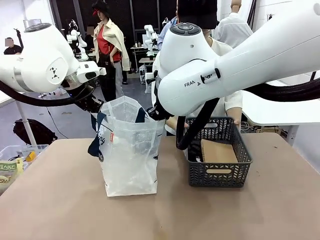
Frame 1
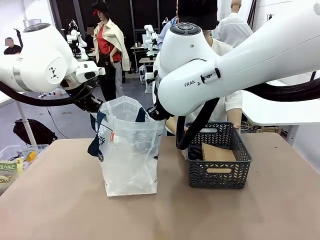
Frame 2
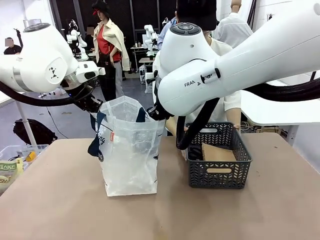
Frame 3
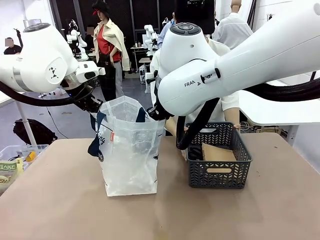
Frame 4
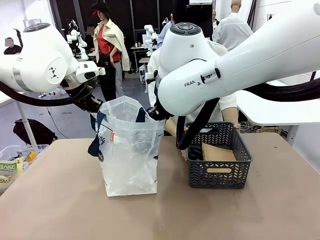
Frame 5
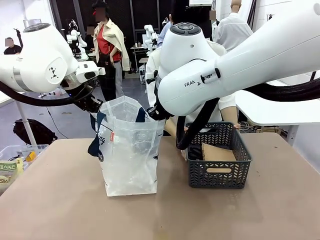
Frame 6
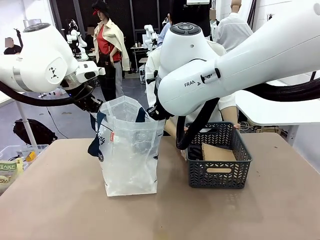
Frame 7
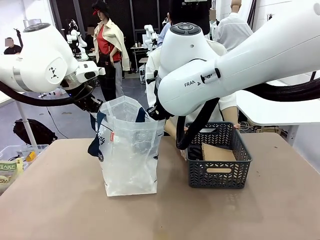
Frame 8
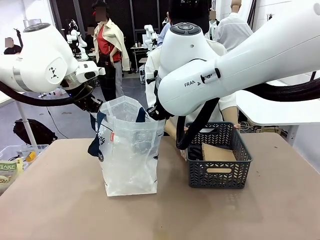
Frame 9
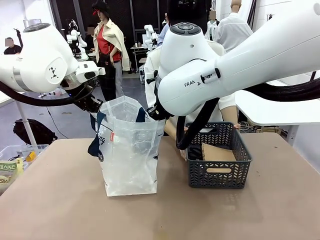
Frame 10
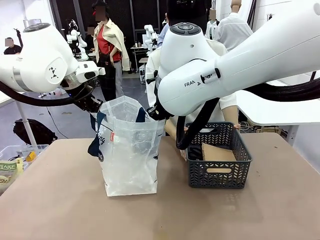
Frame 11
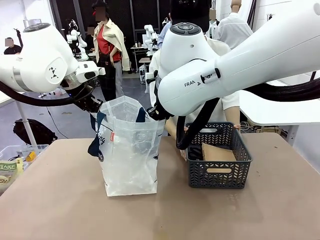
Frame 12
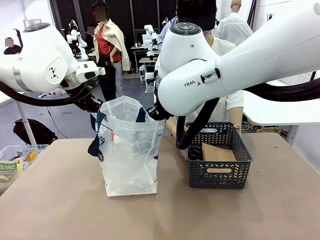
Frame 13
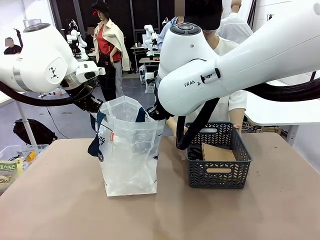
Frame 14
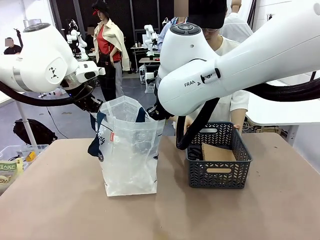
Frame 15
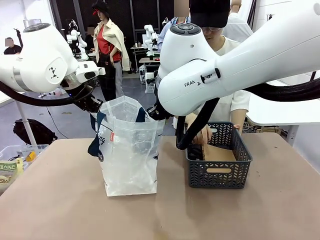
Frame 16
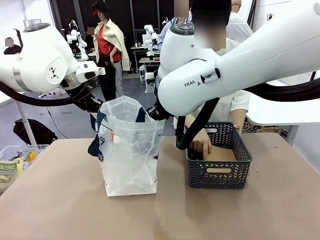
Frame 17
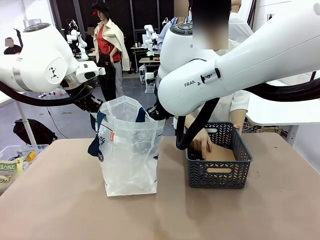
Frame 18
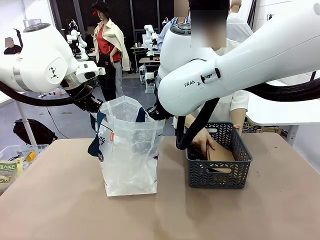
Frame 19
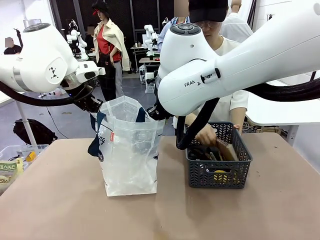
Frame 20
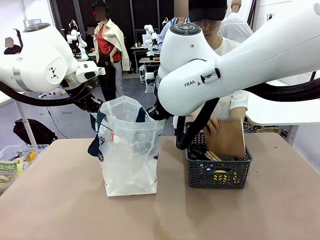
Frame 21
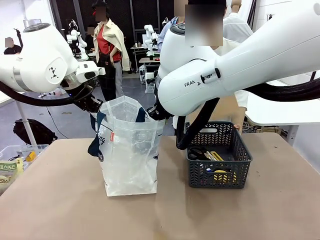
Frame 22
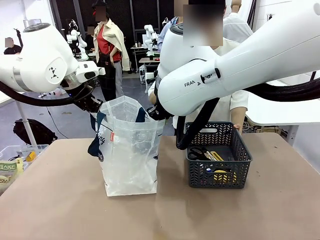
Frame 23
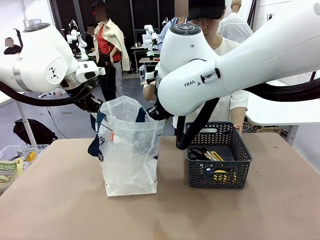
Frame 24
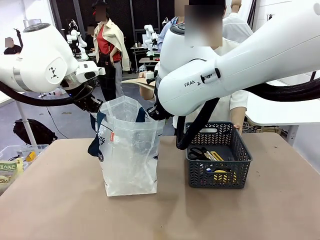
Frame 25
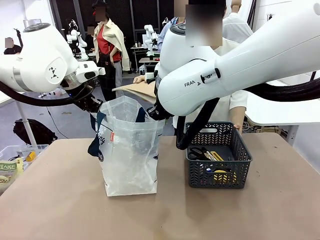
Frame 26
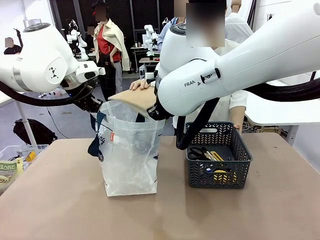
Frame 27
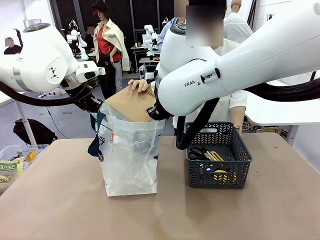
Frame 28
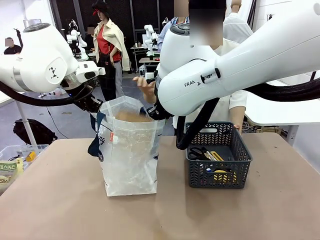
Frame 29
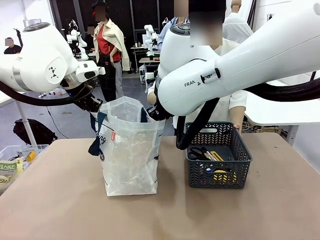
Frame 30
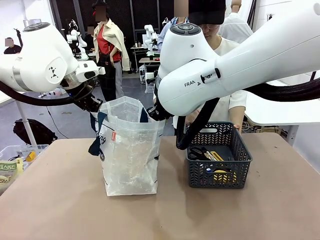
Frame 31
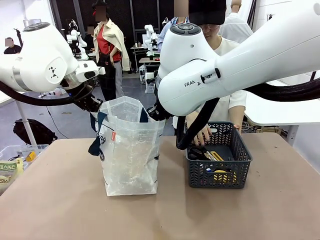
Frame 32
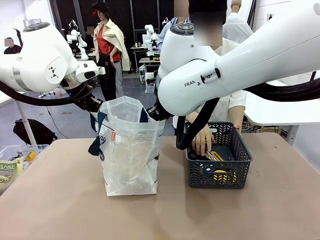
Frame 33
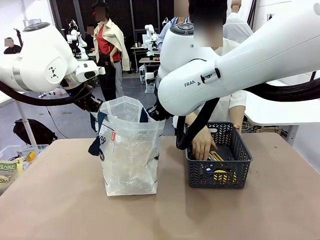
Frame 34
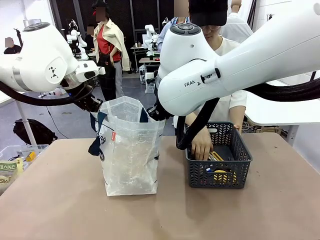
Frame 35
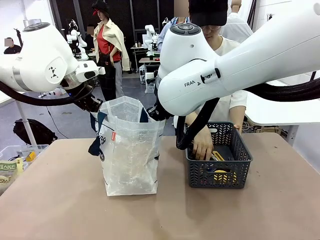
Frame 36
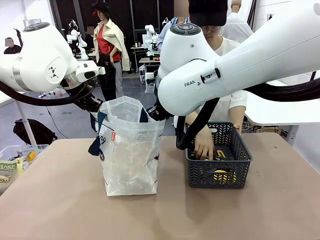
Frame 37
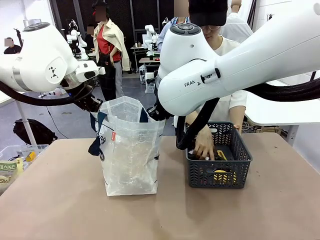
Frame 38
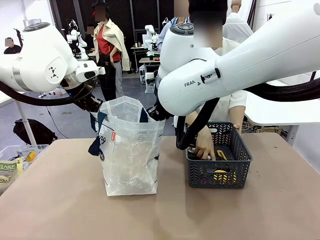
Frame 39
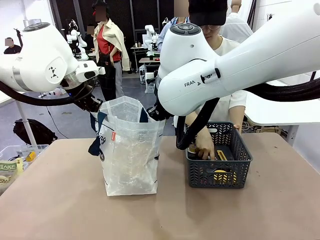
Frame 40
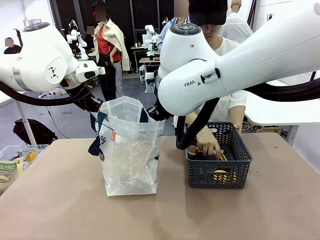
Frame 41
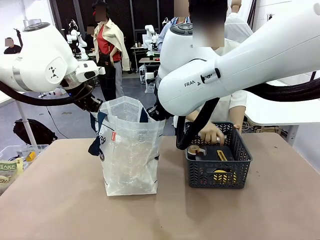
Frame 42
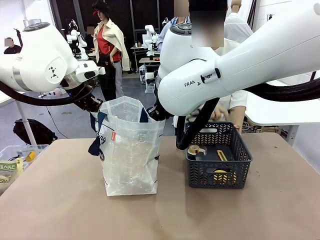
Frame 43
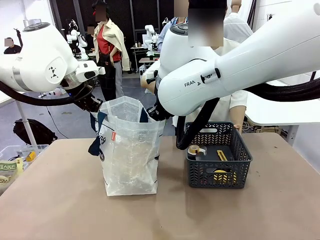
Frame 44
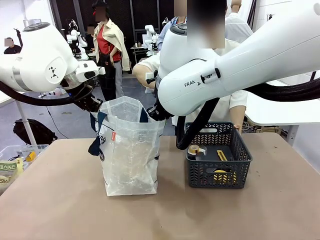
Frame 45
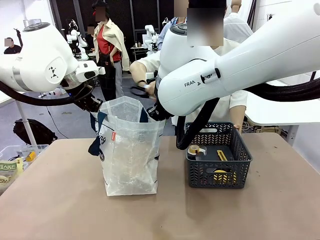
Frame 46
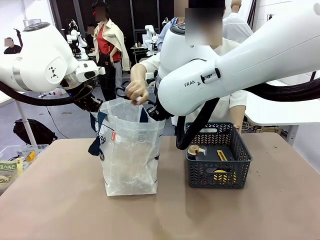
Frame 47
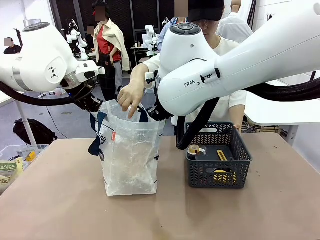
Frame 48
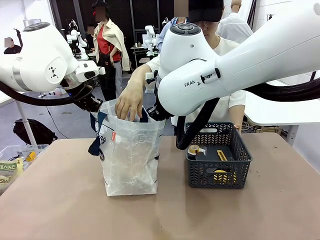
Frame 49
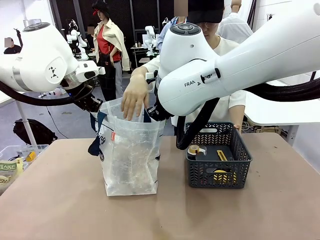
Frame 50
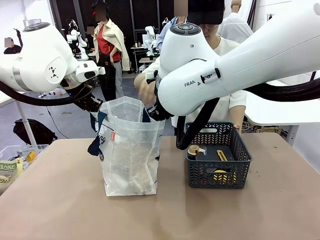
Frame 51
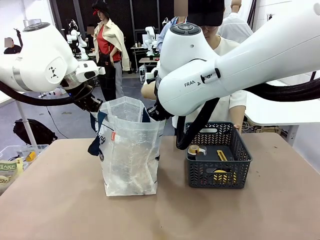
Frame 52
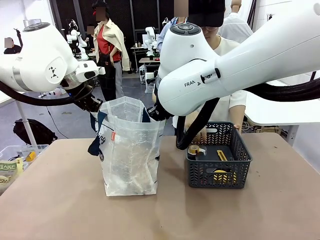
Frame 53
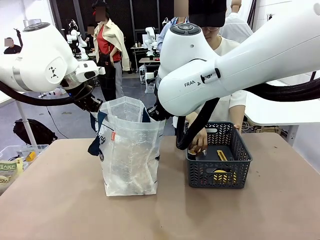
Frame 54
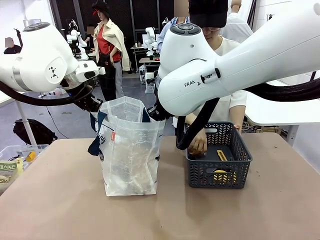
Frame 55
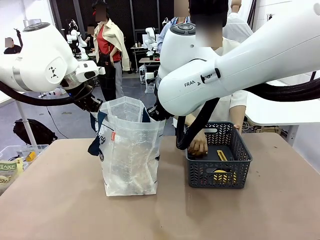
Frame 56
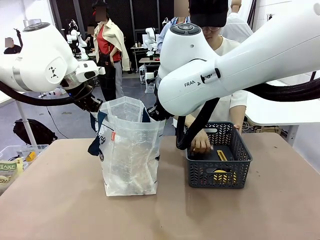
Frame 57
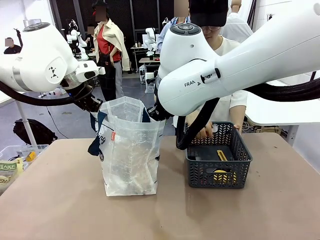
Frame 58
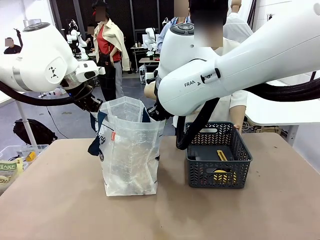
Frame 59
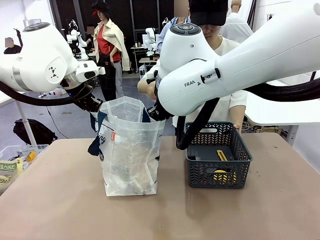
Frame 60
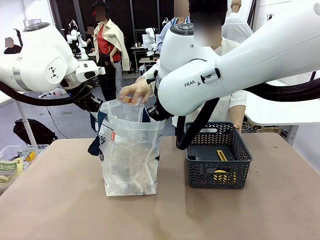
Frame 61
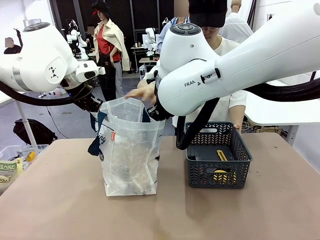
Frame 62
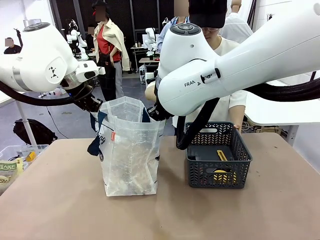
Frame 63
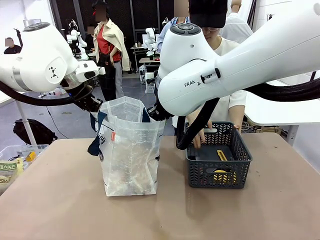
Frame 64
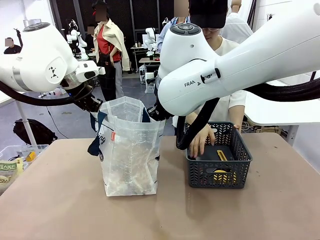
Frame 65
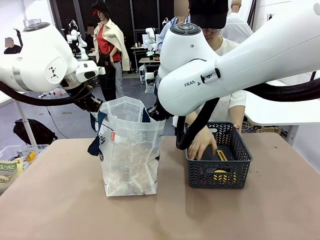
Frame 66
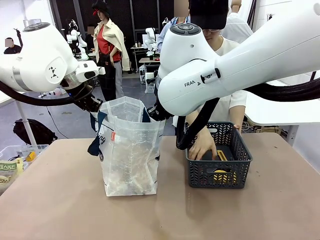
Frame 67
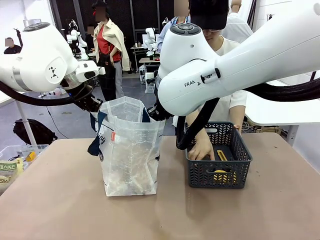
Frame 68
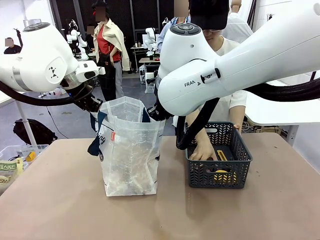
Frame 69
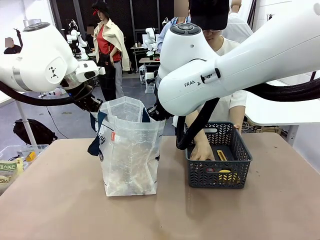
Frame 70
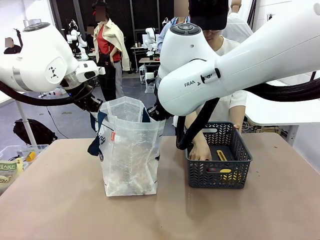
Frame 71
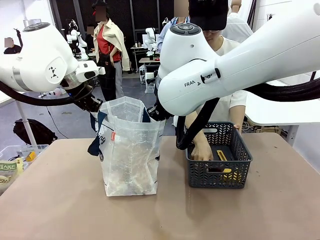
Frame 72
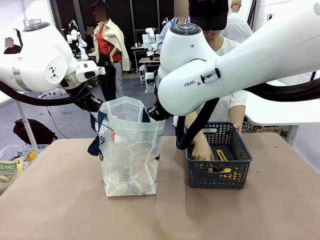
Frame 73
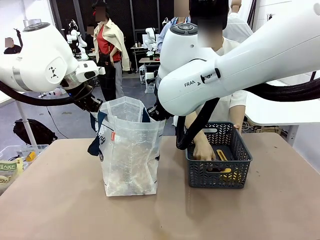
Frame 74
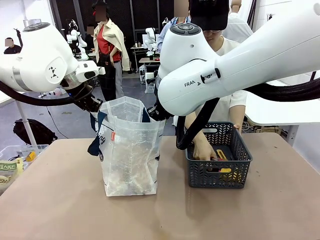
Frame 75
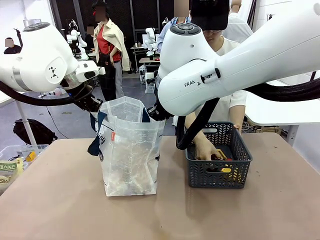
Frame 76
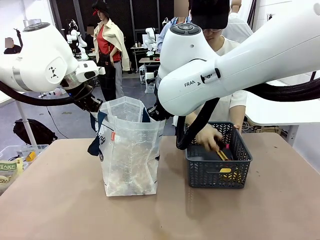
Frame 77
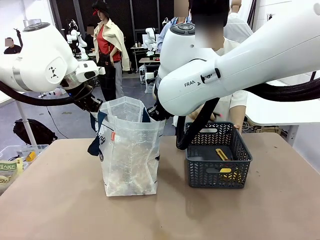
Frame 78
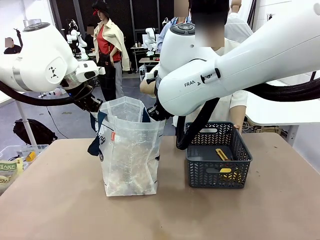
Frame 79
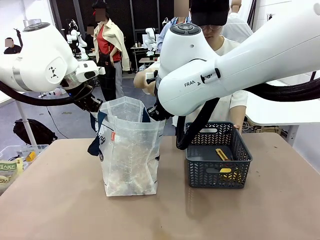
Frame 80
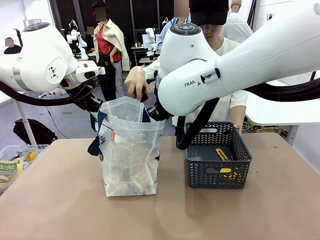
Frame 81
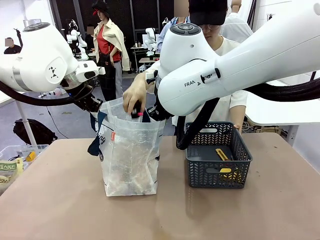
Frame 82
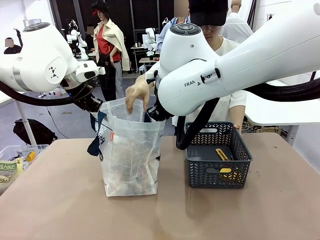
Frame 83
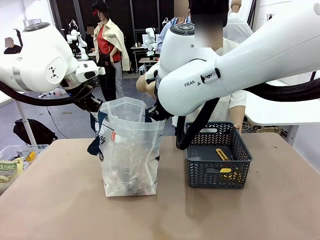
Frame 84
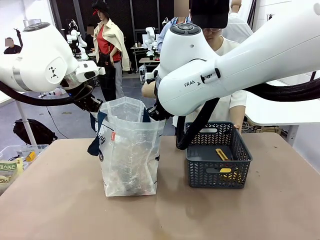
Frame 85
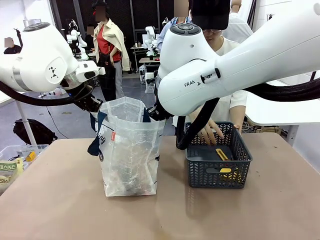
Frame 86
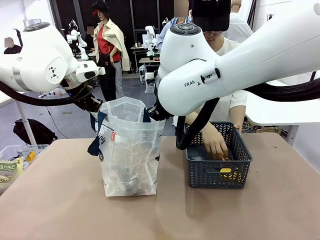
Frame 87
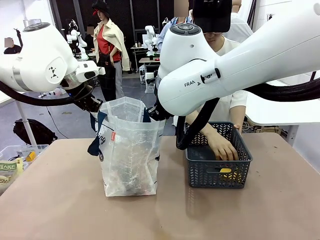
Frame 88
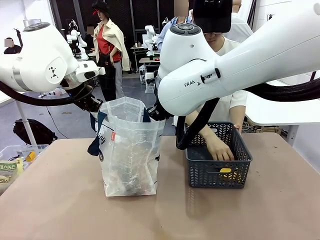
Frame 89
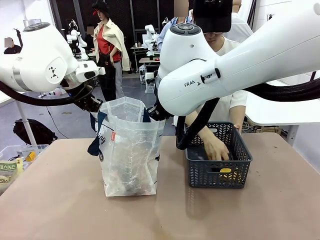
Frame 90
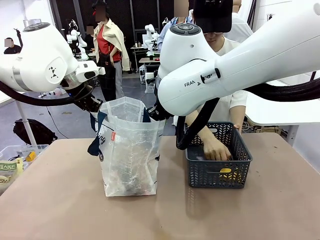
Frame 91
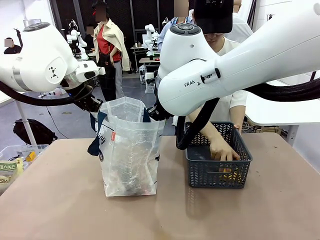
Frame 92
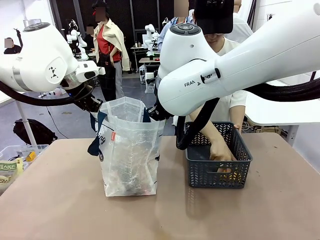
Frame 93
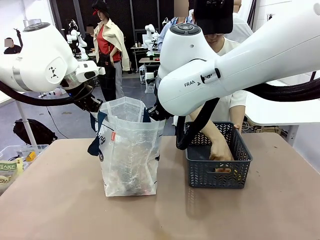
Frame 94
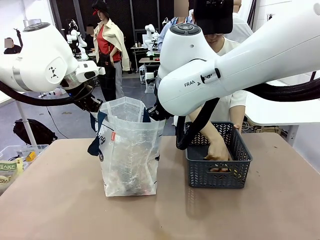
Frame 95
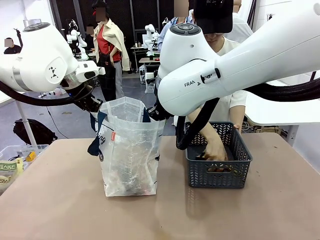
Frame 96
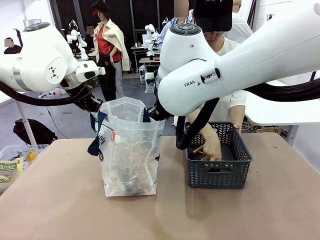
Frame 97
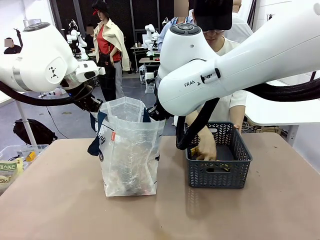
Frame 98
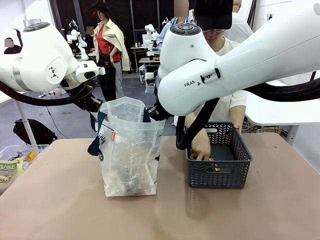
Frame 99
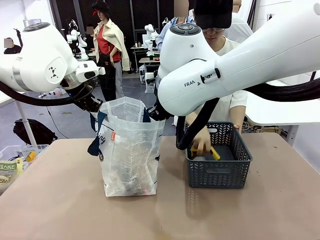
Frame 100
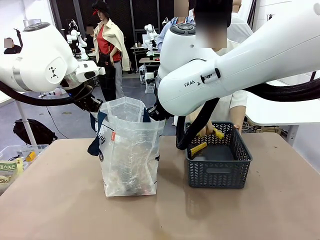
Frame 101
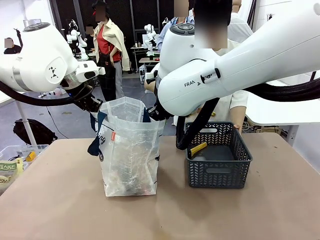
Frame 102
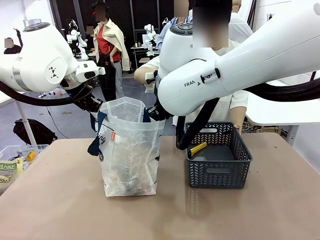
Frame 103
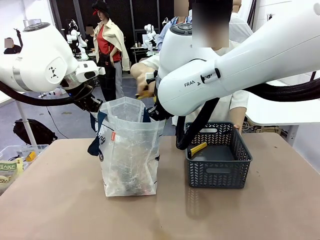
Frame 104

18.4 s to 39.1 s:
Task: Transfer purchased items from the store into the shopping bag.
Robot: Move the Reusable shopping bag to the right side of the table.
Person: Pick up the basket with the items out and place it on the right side of the human table.
